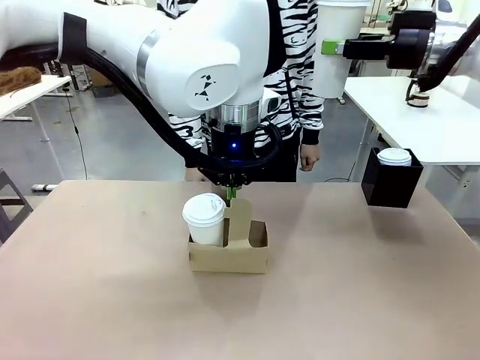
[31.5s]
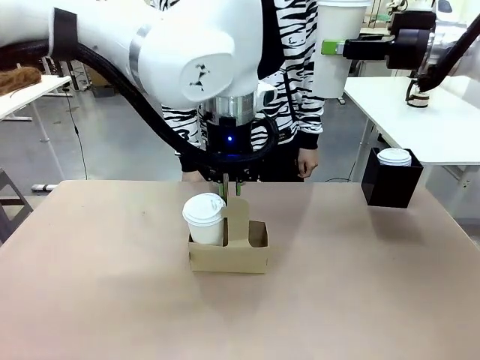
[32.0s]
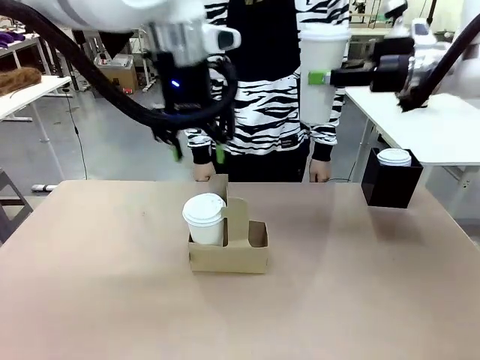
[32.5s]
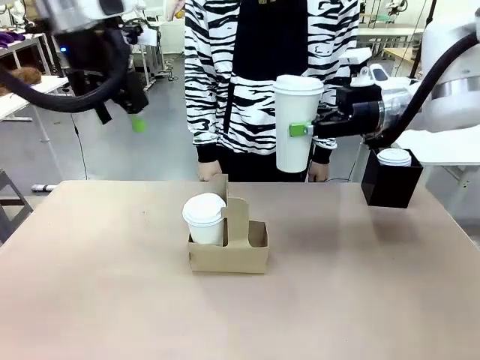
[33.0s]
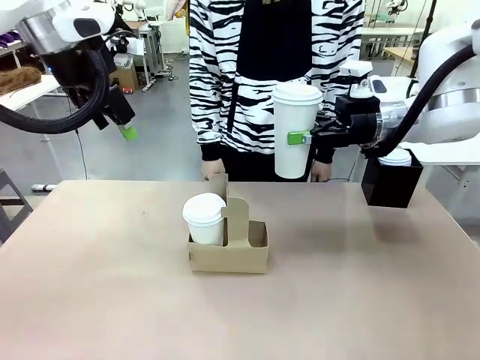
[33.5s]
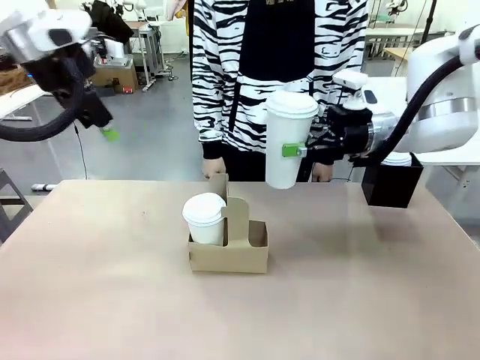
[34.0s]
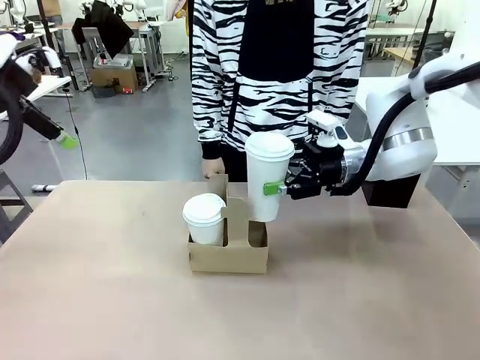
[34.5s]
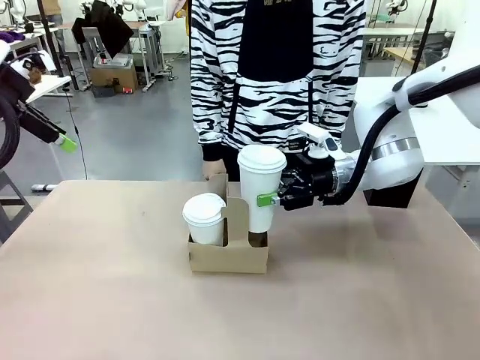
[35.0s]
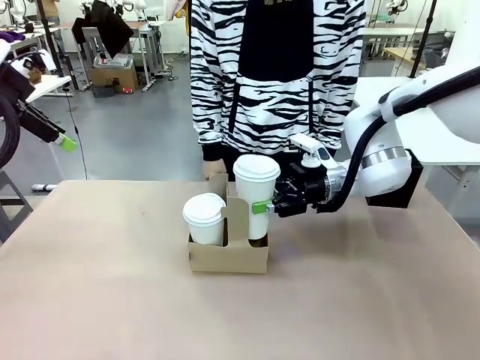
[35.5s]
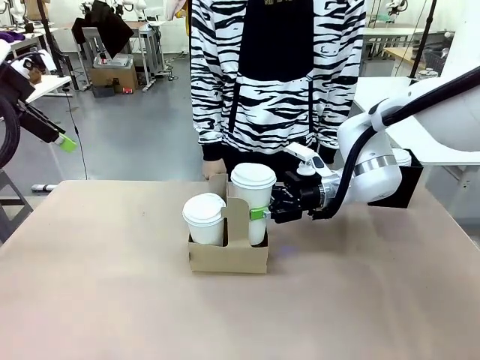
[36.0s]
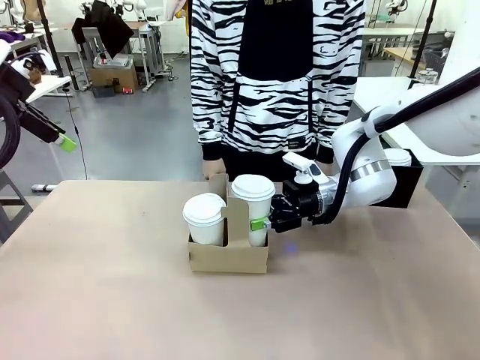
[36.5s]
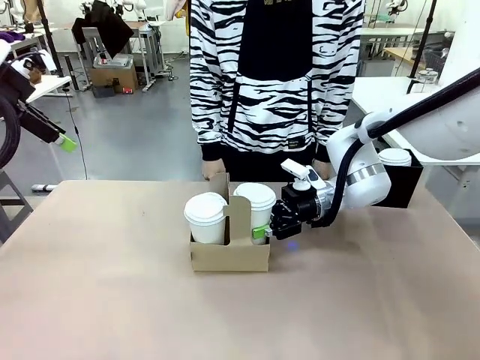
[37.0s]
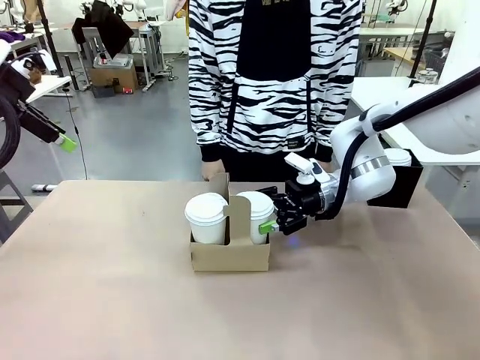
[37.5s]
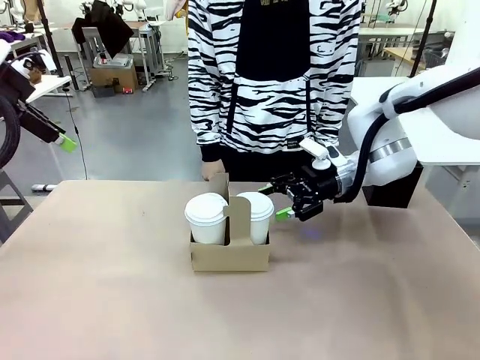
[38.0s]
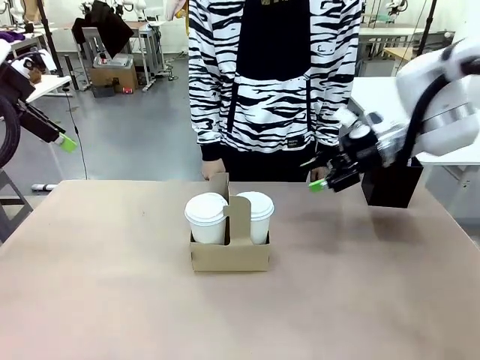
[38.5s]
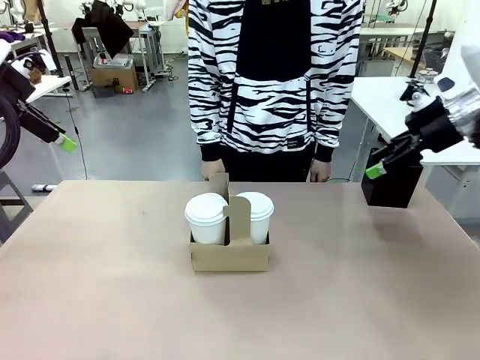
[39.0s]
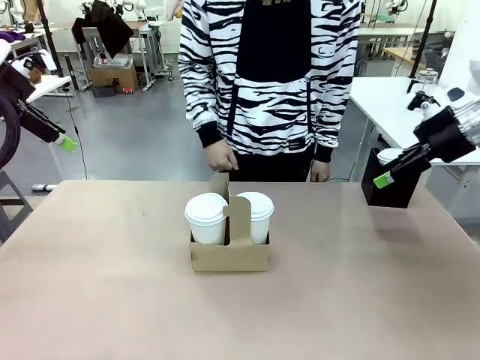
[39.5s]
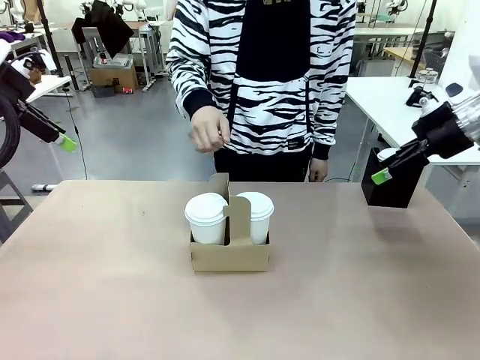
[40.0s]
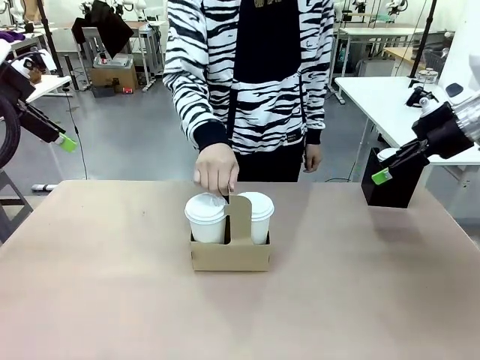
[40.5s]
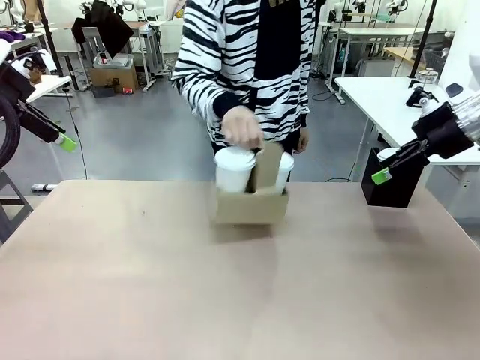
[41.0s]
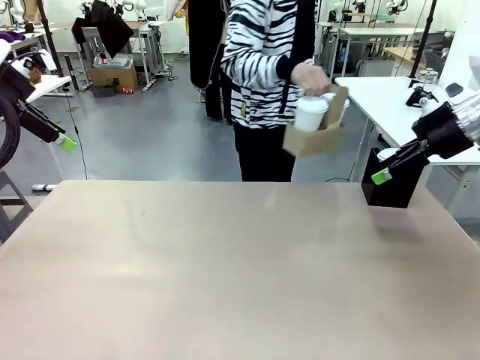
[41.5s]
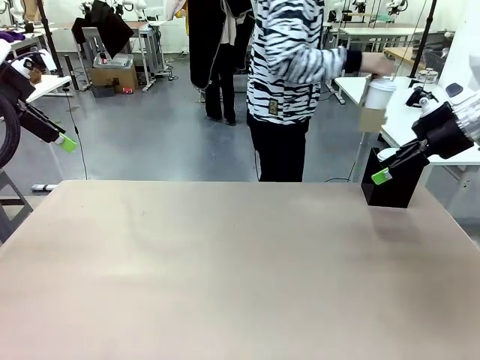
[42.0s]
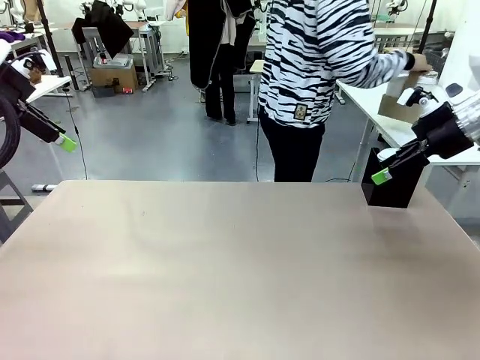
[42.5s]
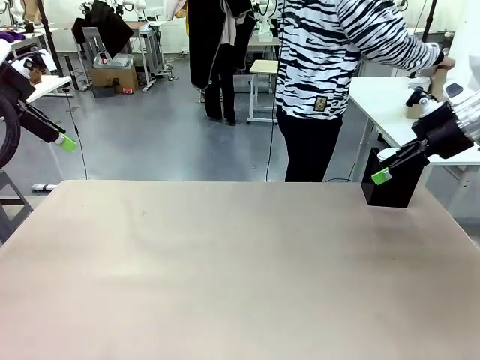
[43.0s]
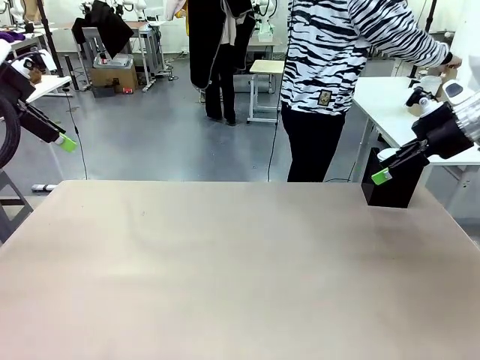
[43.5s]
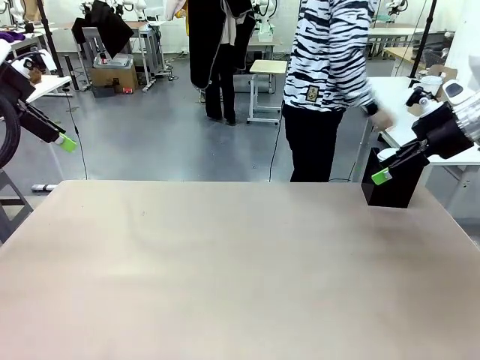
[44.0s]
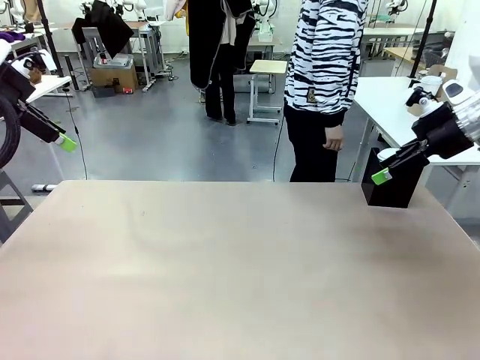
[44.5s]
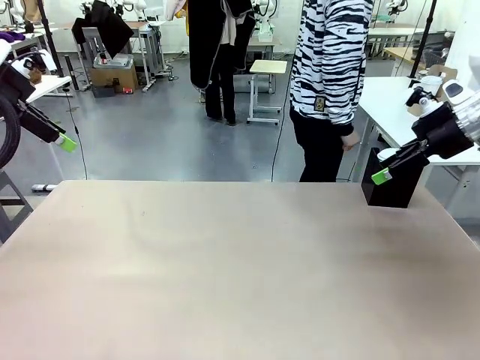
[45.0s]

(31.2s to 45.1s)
Task: Pour a drink into a cup and package it in a carrier.
Robot: Insert the held 600 ml Paper Cup into the Cup Carrier.
Person: Place the Cup Carrier to the middle of Human table.

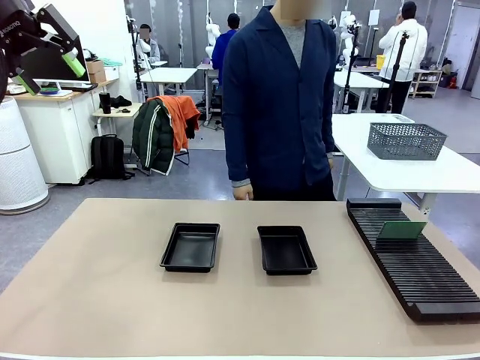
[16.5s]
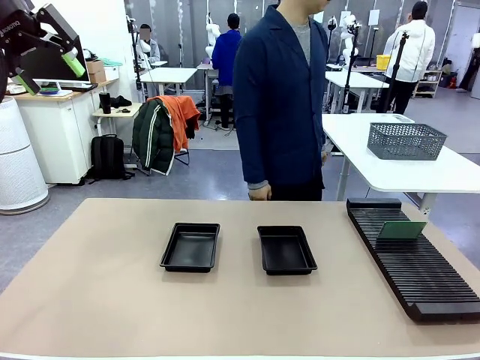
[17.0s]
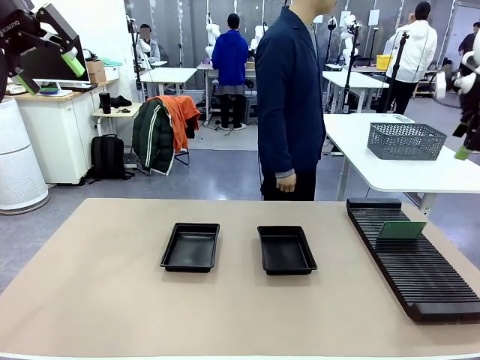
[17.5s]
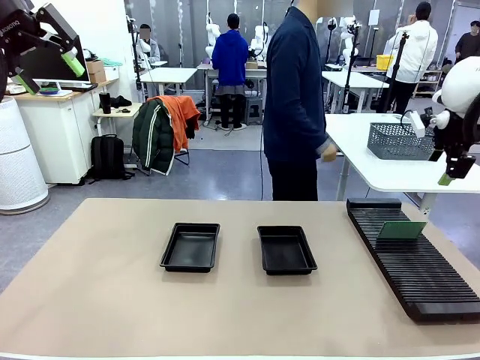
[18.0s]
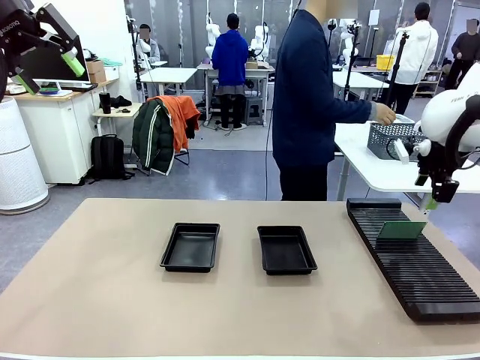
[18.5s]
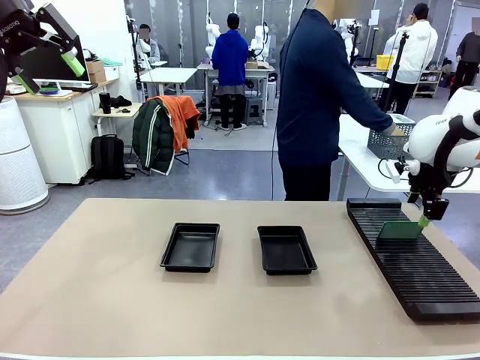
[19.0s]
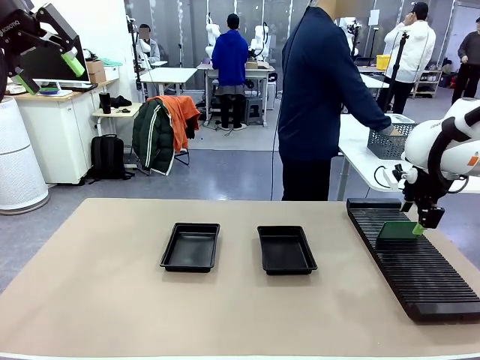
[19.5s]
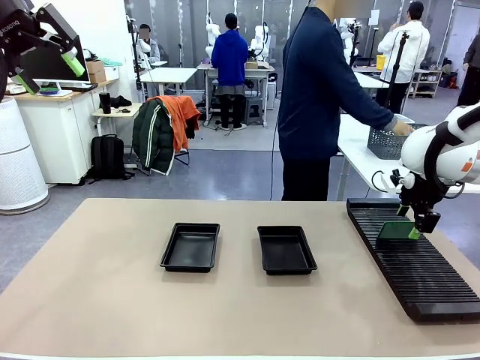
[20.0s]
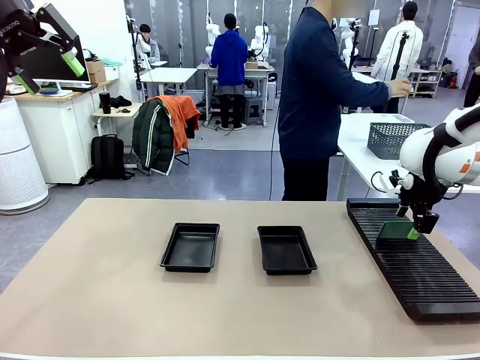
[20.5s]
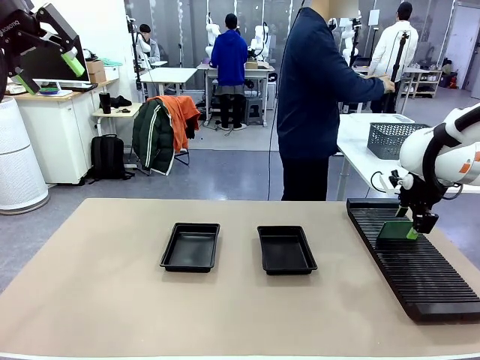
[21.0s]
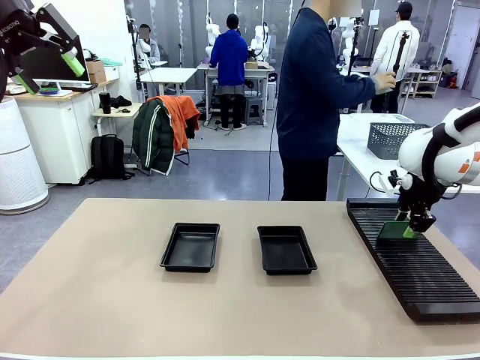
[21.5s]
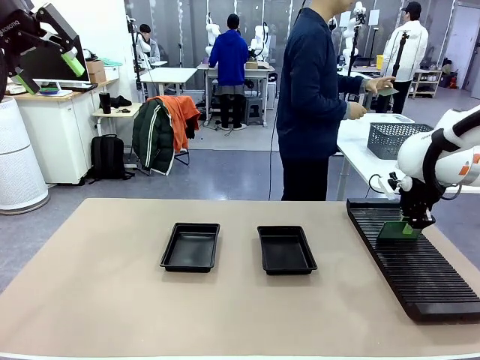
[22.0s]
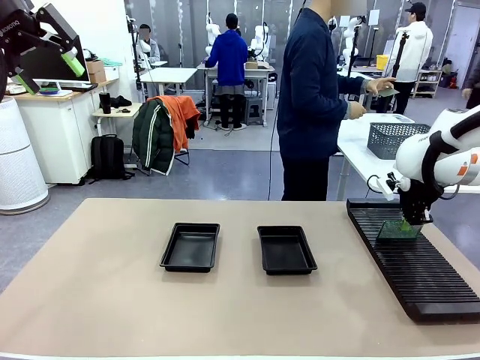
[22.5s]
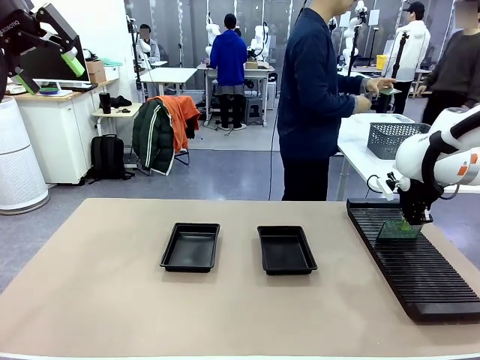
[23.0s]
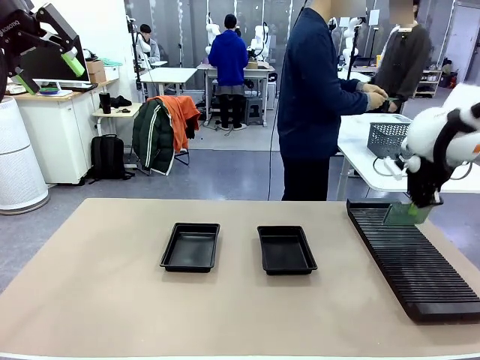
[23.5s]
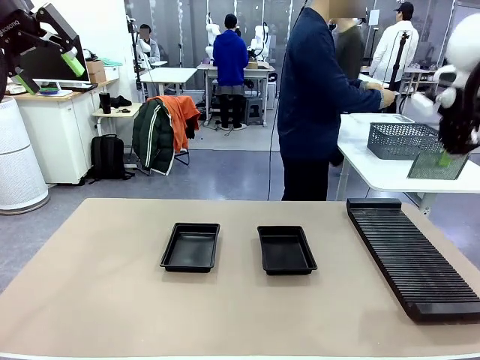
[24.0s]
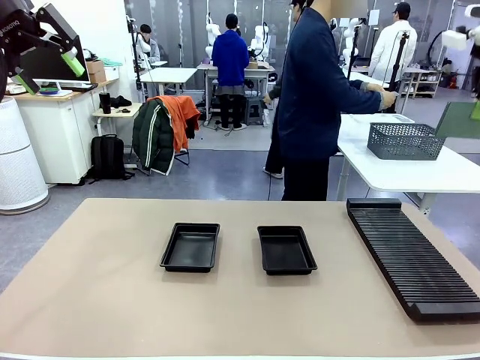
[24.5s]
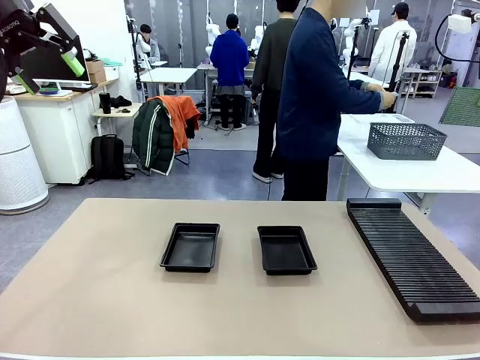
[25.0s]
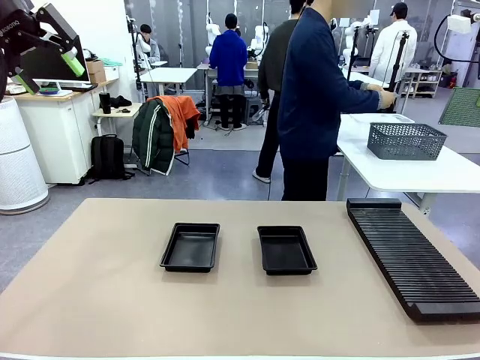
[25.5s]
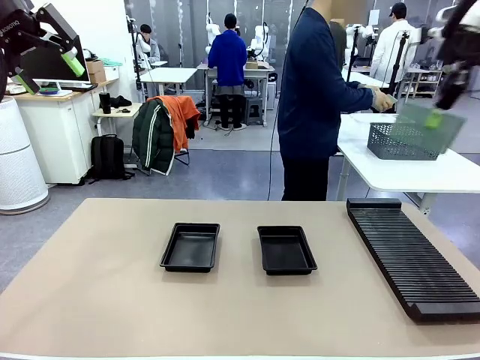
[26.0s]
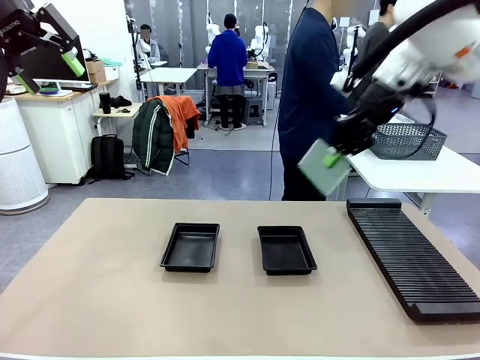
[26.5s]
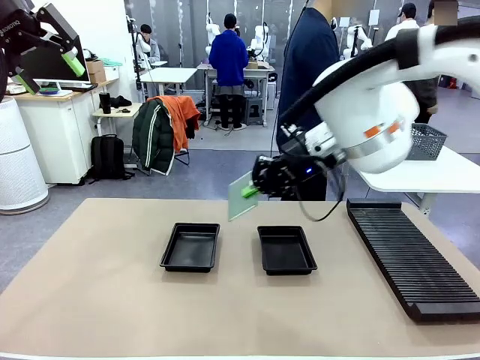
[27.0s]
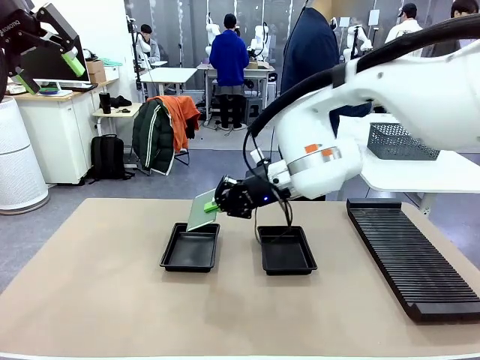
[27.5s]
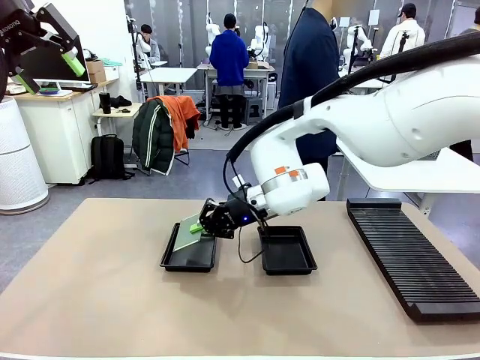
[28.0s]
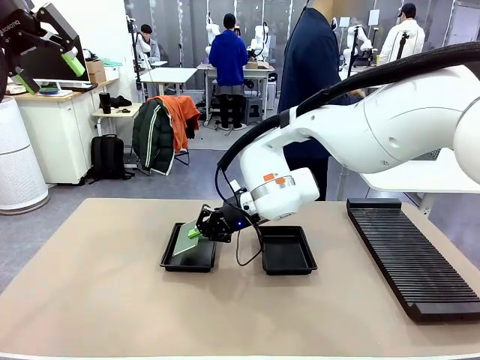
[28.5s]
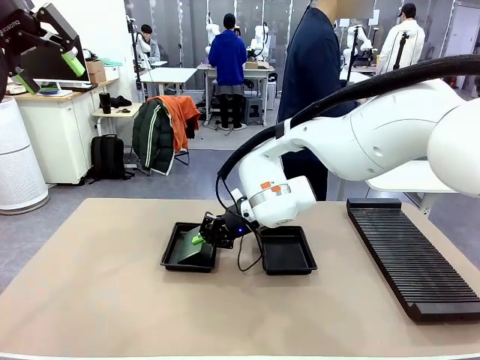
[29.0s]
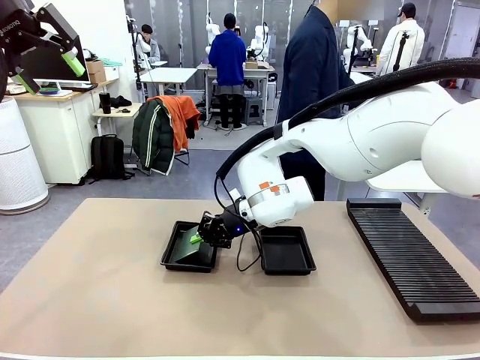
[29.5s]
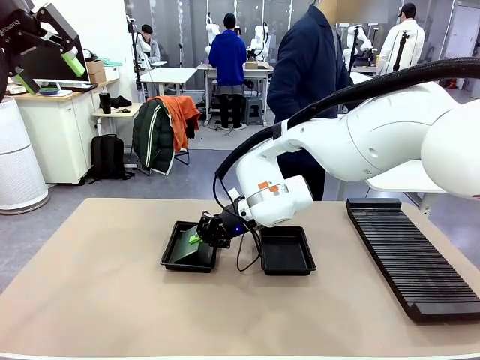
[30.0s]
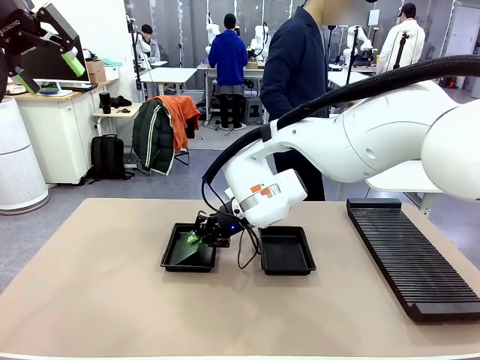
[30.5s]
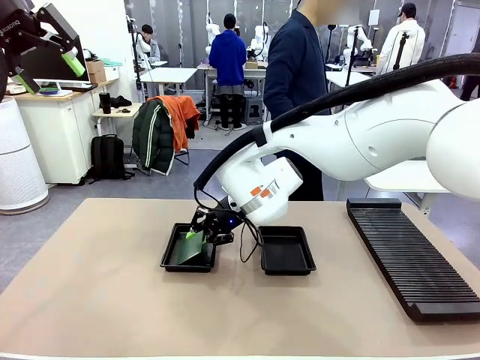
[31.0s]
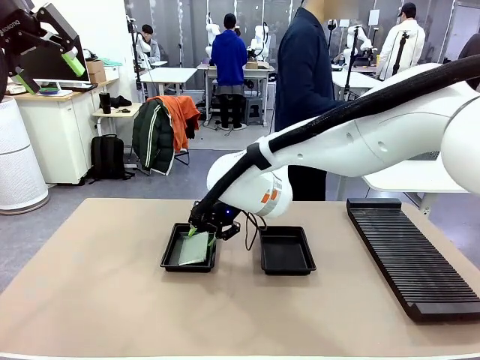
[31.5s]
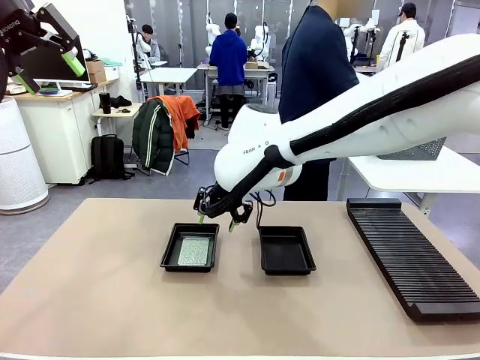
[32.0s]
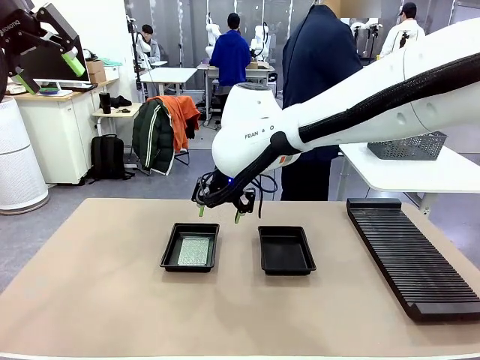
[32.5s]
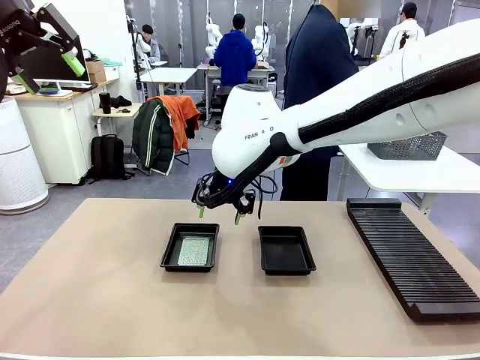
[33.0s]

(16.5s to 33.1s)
Task: Inspect and transfer BCBs to ESD trays.
Robot: Pick up the Blank PCB from the PCB Rack and place it in the left ESD tray.
